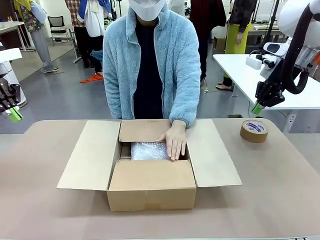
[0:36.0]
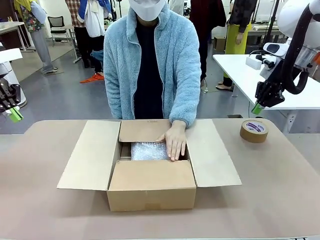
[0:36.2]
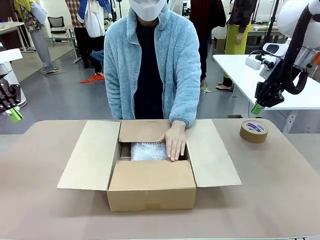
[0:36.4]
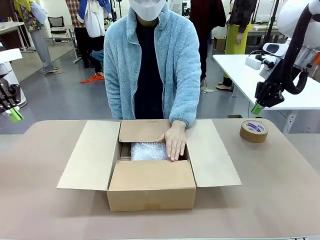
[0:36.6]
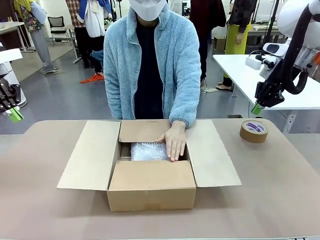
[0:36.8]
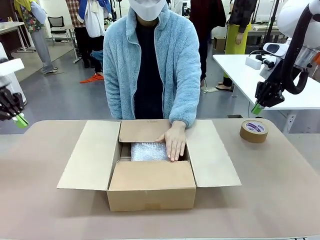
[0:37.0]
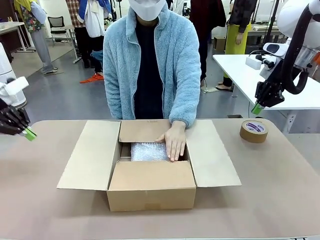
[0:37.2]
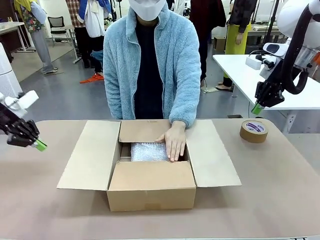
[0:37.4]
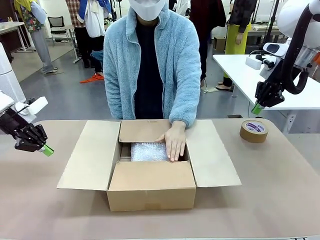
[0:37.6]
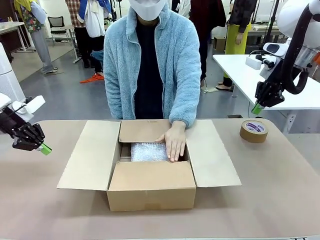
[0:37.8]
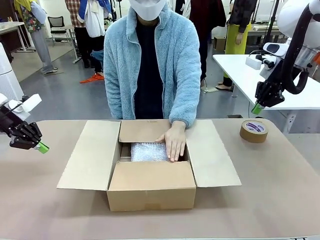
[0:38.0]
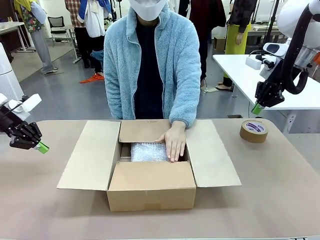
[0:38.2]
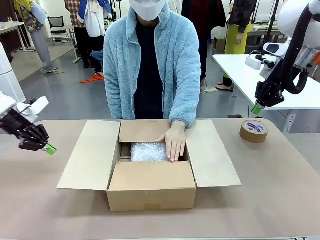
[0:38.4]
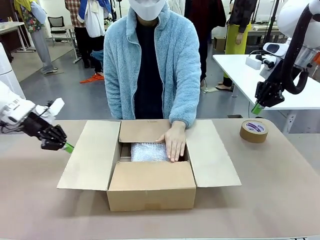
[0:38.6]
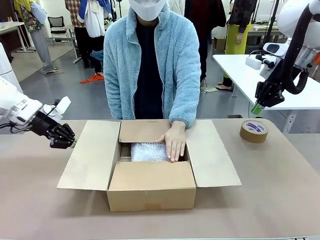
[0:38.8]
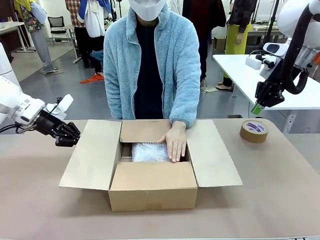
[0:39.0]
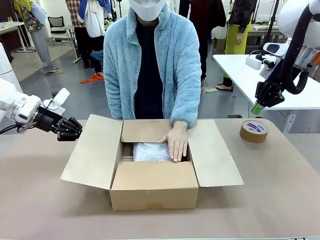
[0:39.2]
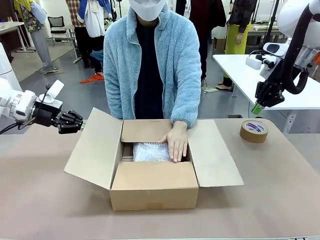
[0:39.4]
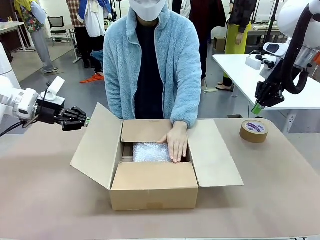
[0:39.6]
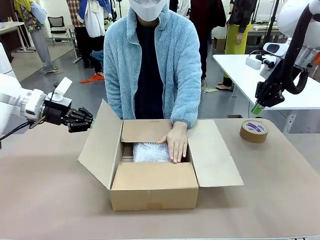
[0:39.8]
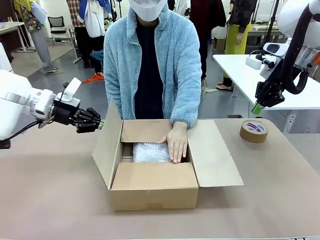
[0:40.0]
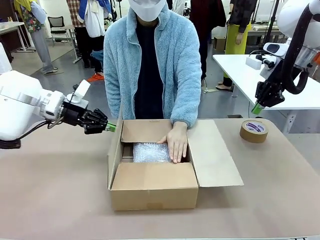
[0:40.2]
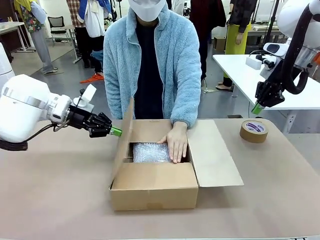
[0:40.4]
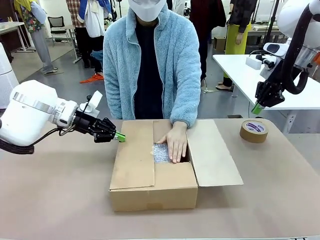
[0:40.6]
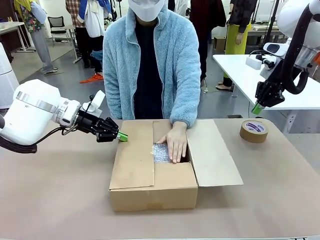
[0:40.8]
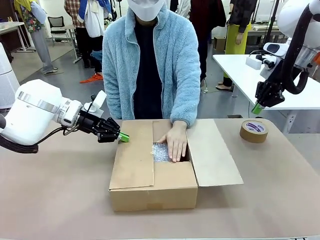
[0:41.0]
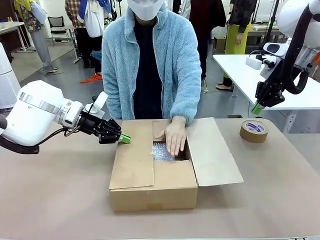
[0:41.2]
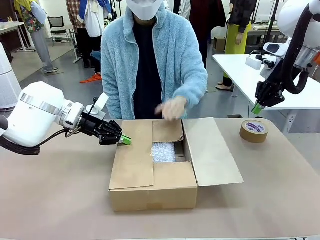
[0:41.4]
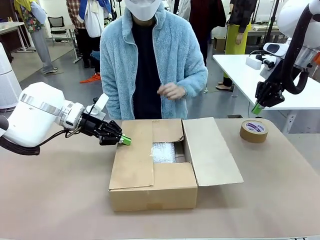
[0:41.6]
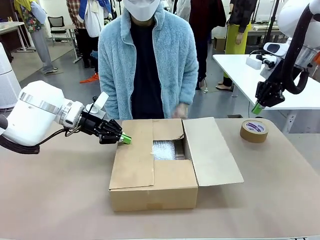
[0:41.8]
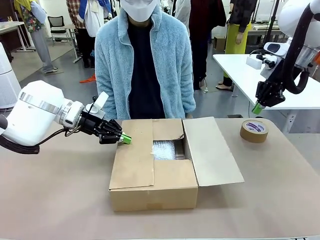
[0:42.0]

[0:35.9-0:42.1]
Task: Wrap the clocks to prevent damage.
Robot: Push the right (or left) flap of the Package Box to close it.
Person: Once the robot closes the right flap of the Package Box , release your left hand from the box.

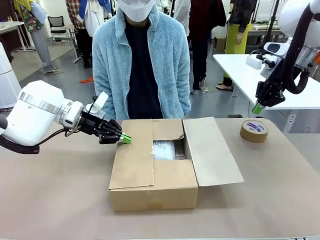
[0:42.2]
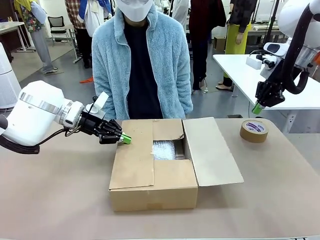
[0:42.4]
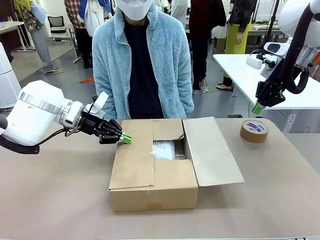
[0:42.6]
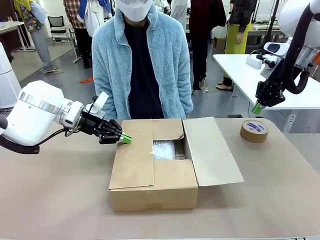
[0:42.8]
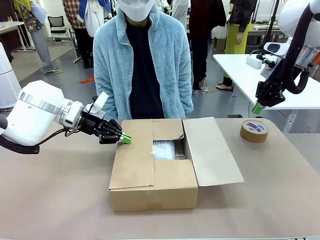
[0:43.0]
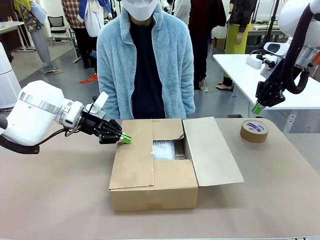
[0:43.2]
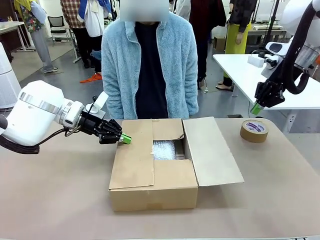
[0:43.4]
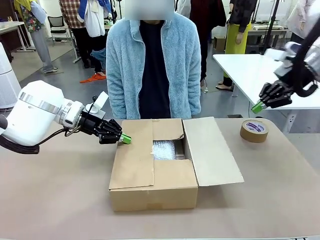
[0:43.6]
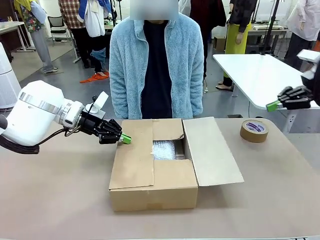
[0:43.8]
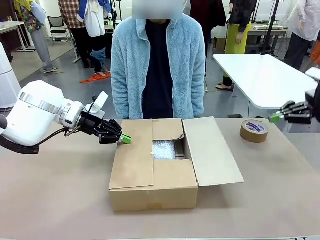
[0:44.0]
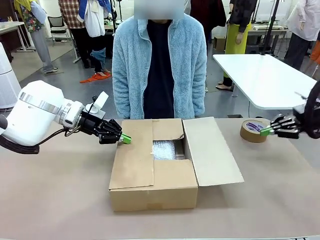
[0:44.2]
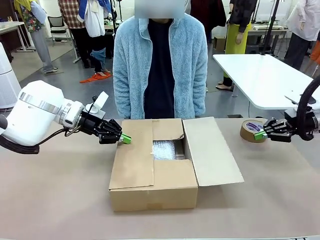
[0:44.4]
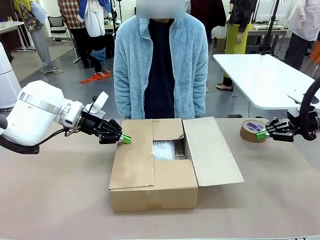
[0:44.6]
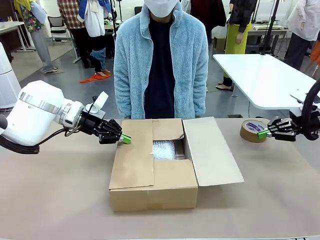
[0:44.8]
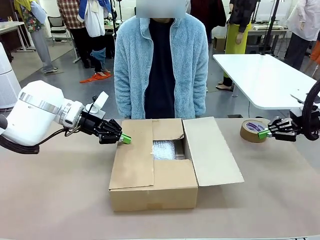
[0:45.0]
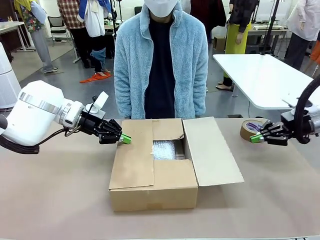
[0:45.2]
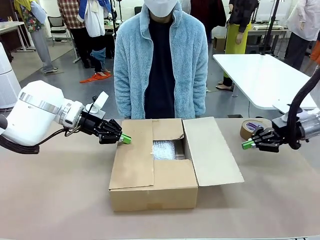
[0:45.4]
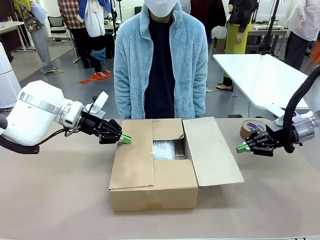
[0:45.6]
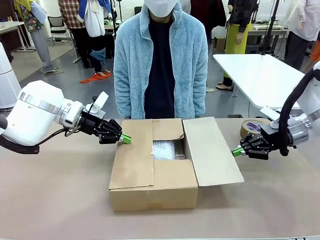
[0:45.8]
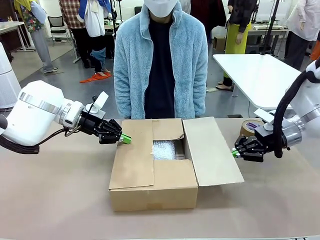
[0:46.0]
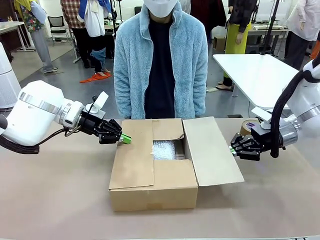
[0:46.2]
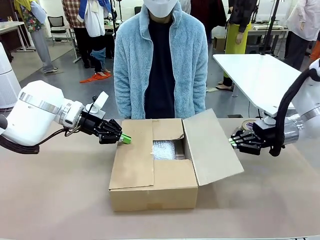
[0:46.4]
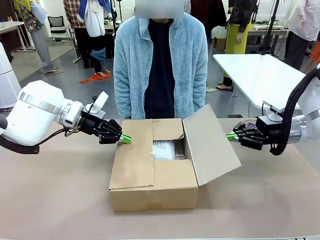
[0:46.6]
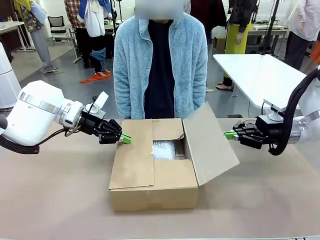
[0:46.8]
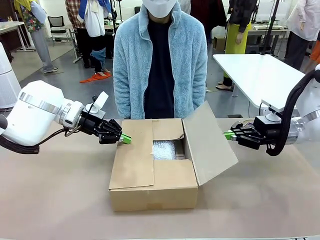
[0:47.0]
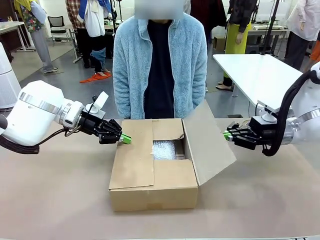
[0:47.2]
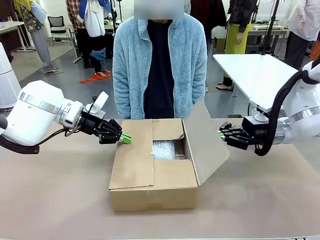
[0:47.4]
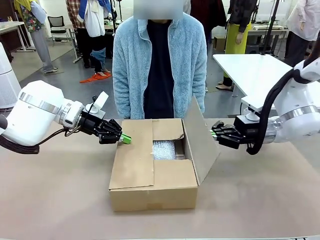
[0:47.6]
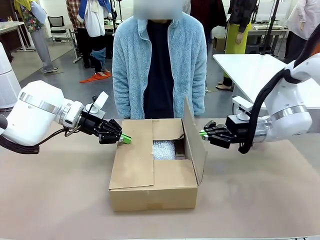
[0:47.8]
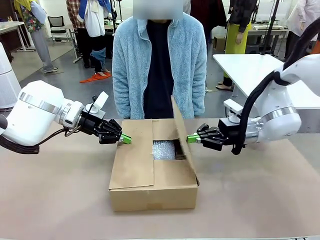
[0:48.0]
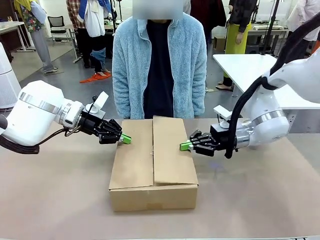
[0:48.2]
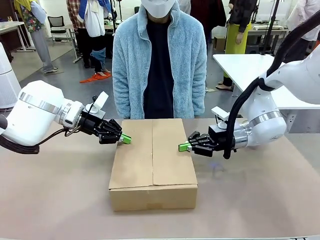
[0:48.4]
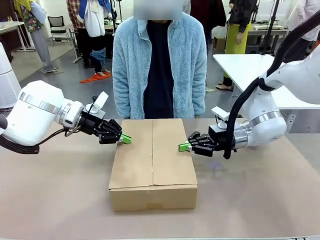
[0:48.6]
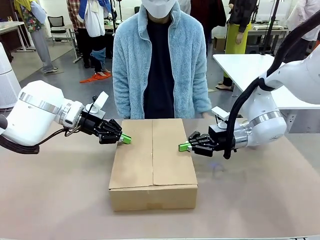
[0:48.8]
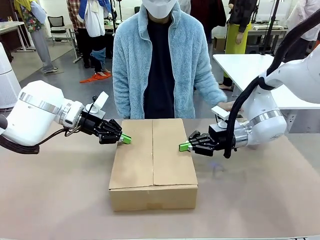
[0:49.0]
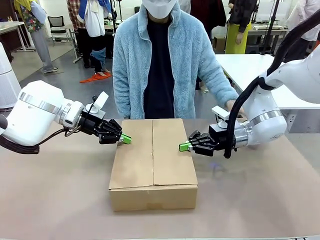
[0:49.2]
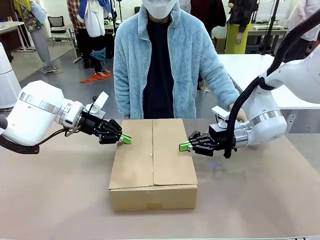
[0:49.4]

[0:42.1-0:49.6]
Robot: Push the left (or right) flap of the Package Box to close it.

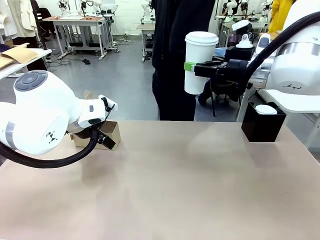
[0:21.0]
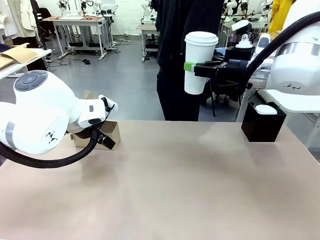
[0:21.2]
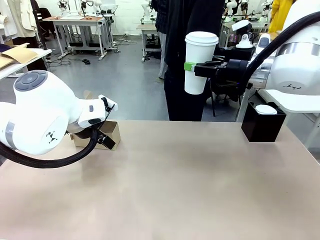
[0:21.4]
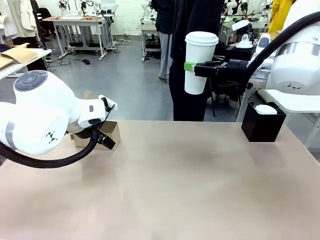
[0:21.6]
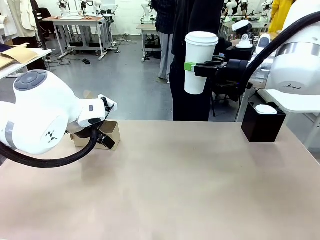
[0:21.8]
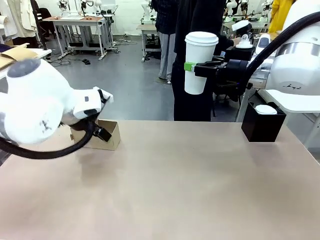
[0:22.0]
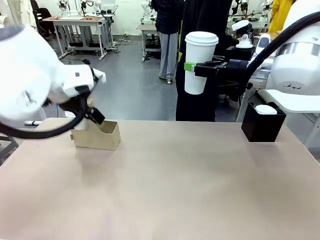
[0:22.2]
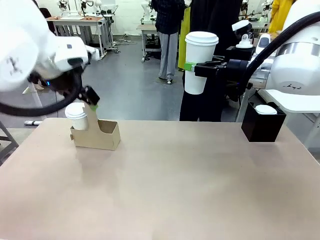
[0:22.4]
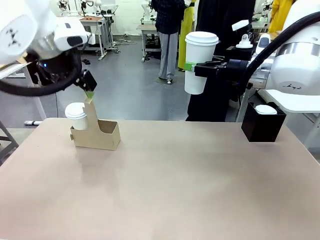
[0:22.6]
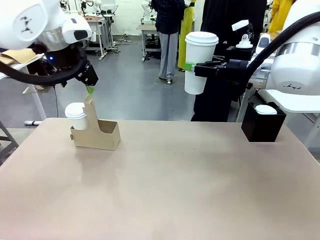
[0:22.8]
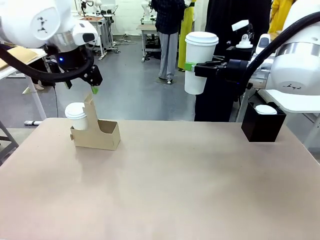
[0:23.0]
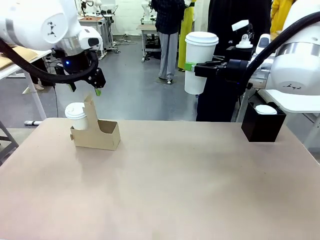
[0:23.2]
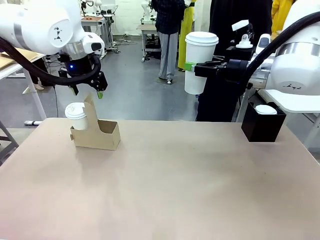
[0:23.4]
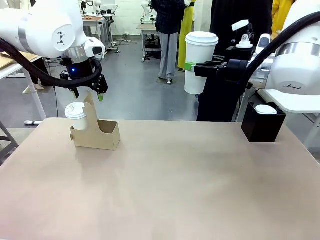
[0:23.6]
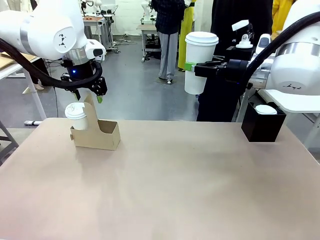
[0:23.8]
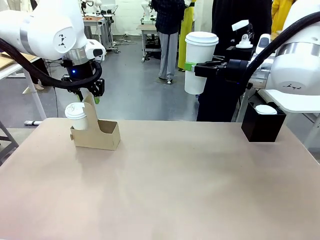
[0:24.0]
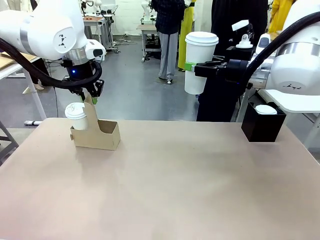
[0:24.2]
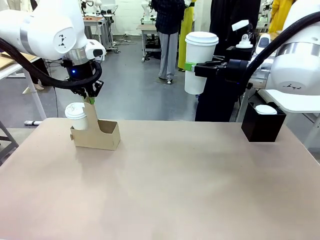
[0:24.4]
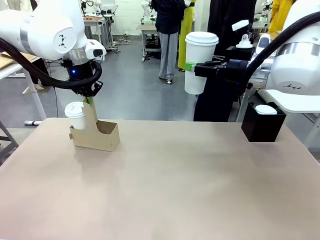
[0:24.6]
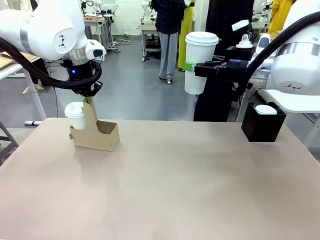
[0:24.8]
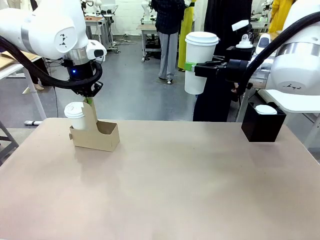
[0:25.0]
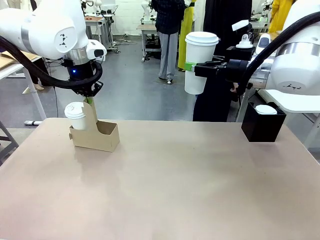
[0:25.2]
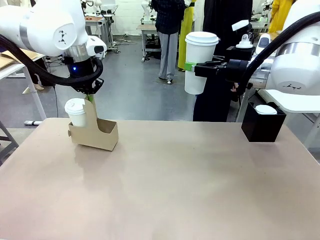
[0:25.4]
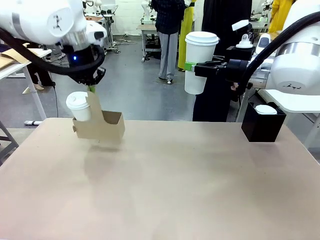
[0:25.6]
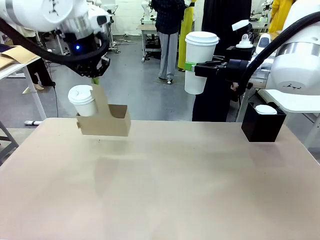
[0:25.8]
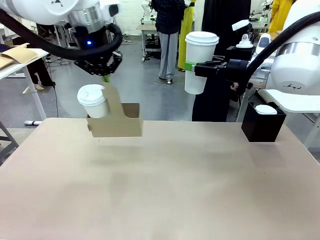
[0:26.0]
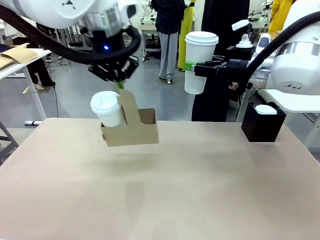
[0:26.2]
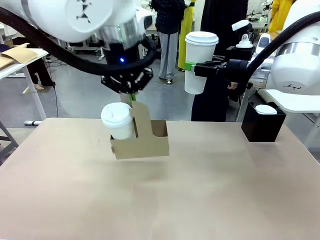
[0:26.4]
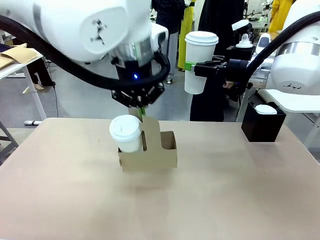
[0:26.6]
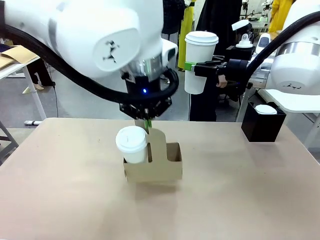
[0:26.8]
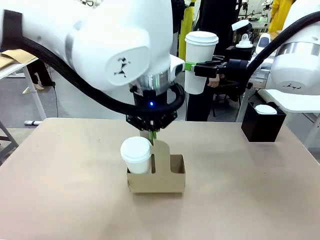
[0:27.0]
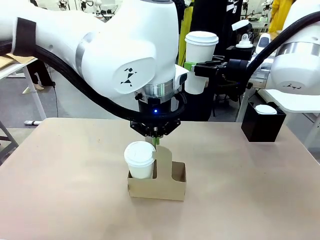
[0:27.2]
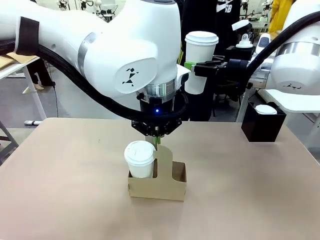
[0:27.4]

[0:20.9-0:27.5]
Task: Pour a drink into a cup and package it in a carrier.
Robot: Position the Cup Carrier in the center of the table.
Person: Pick up the Filter Brewing and place on the middle of Human table, and return to the Robot table.
